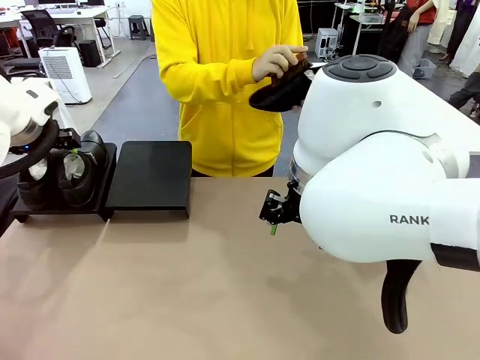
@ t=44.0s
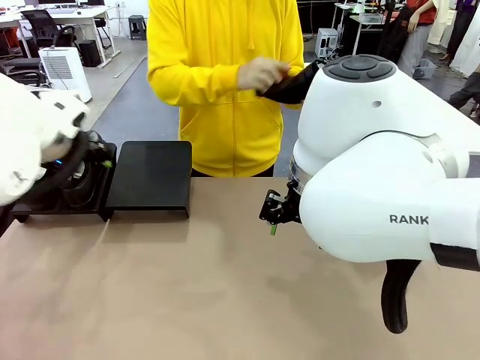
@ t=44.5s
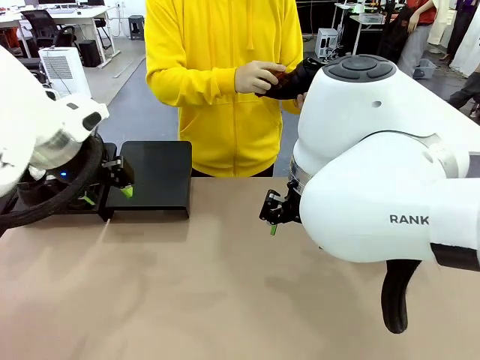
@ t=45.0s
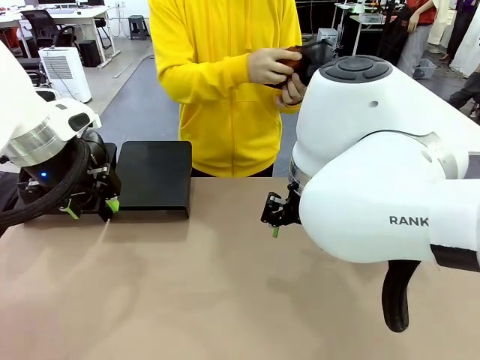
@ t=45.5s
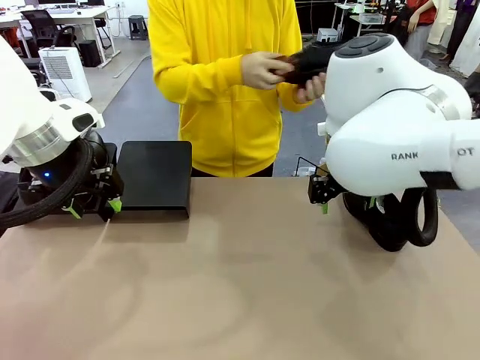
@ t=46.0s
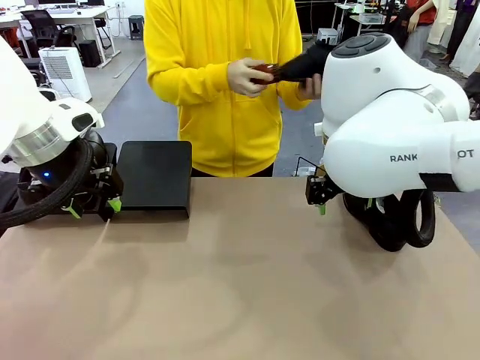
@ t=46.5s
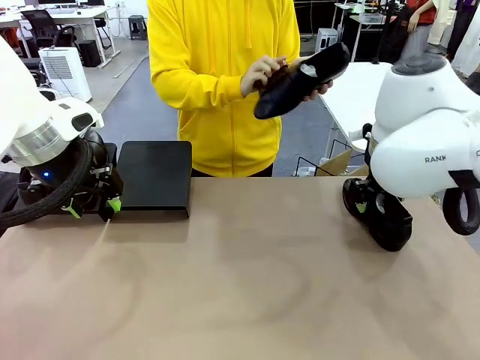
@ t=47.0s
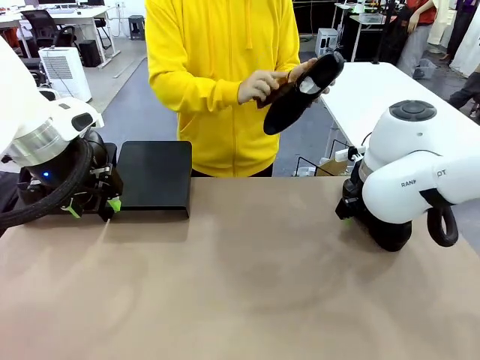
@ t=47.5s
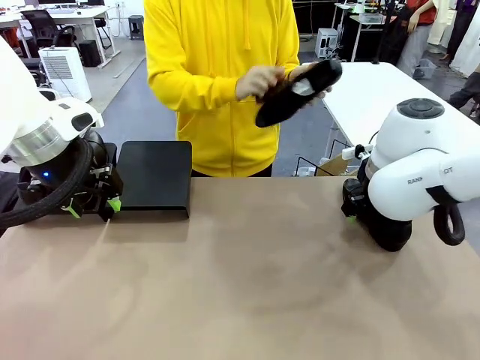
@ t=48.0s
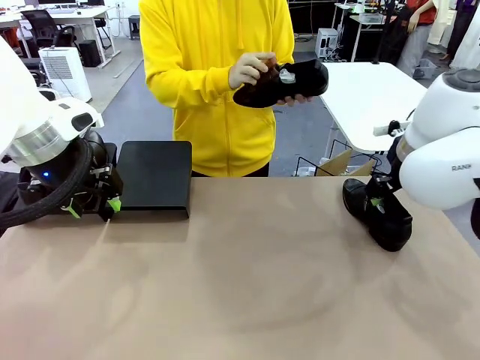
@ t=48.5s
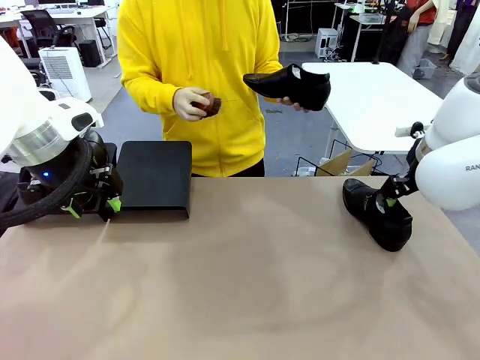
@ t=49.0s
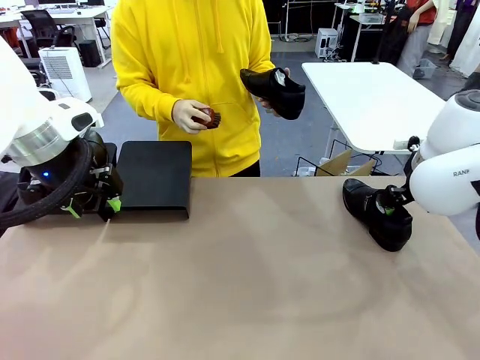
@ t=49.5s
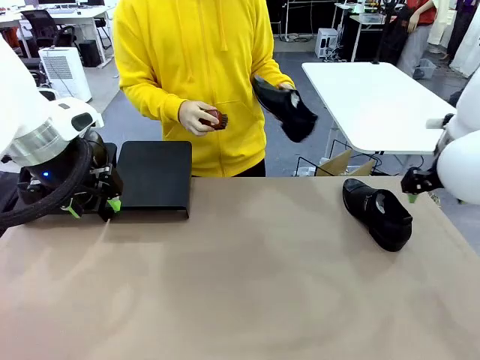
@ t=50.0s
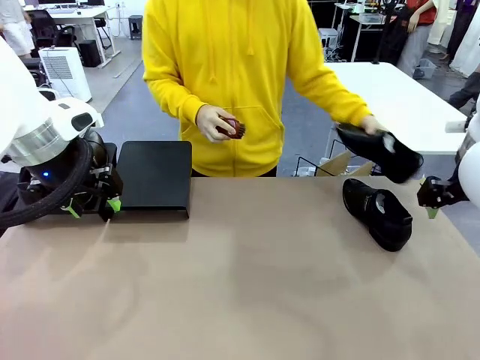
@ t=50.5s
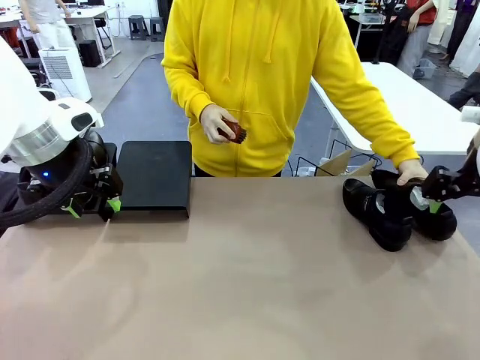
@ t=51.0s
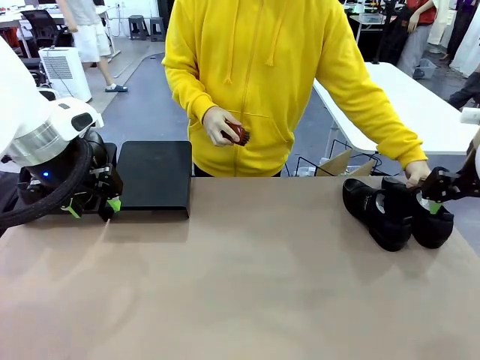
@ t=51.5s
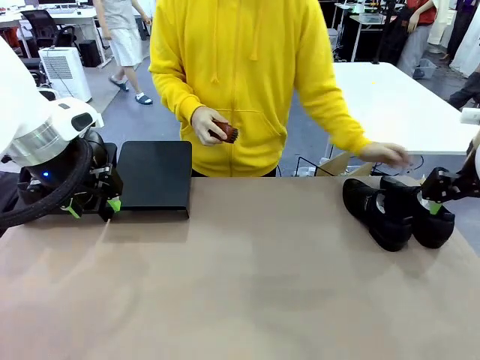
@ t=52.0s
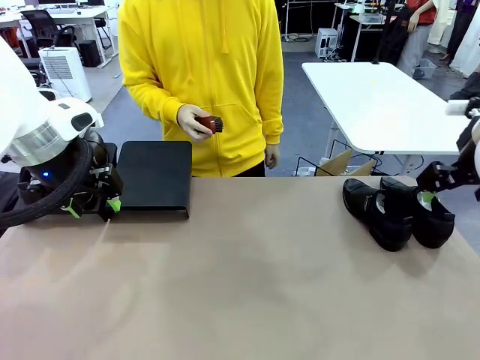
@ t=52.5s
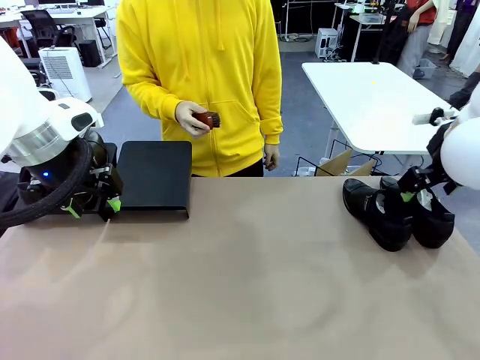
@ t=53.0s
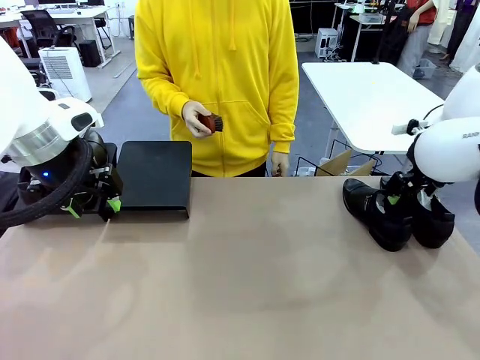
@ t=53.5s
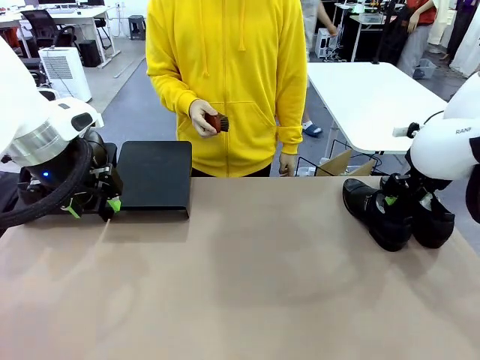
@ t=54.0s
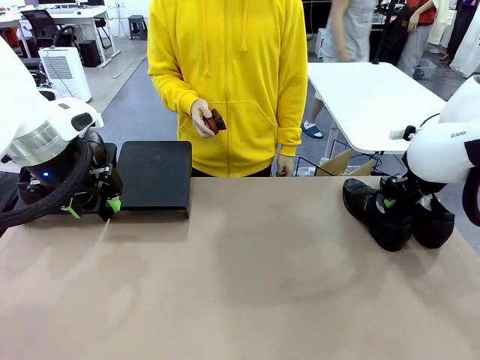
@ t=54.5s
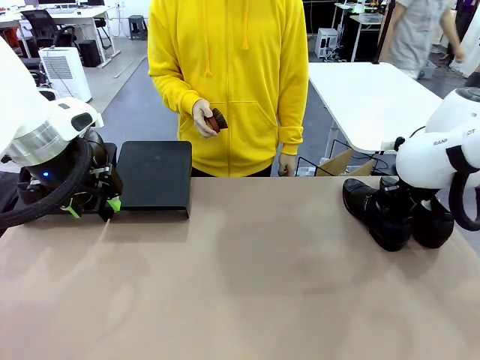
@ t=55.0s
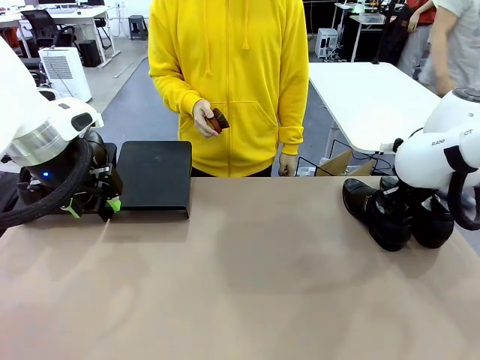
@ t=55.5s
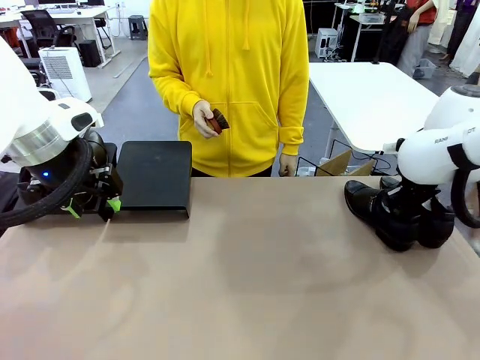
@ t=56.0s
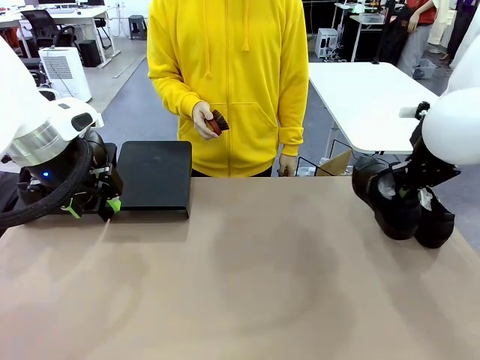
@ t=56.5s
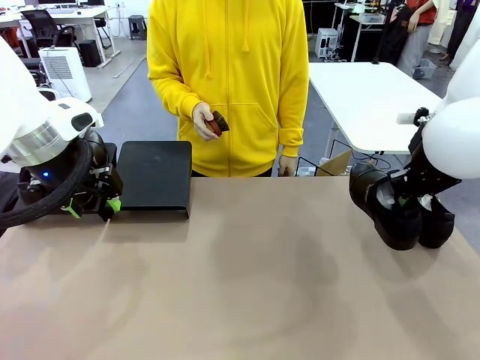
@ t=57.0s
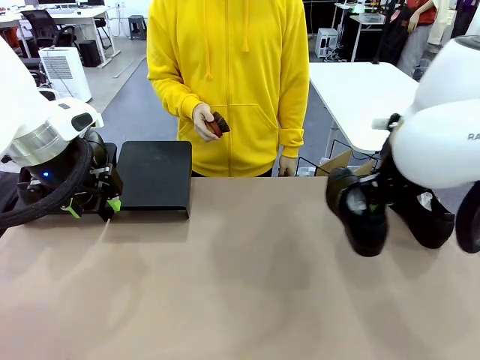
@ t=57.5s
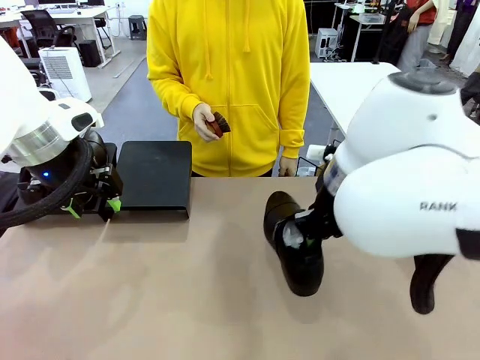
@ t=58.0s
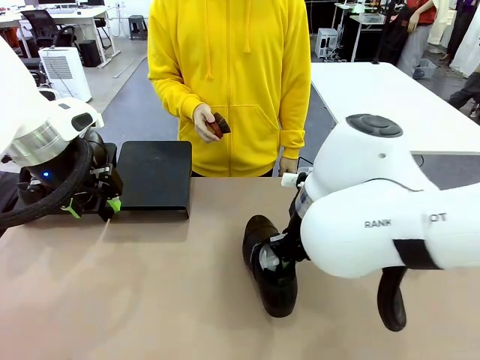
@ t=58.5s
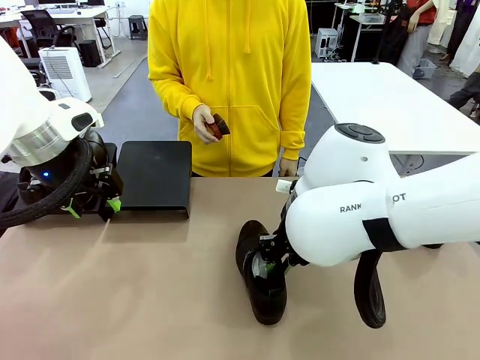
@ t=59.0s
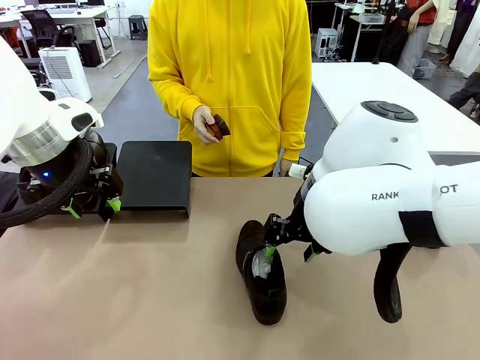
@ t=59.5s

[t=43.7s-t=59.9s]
Task: Organize the shoes by placing them on the stand.
Robot: Pick up one Shoe and place it in the middle of the table.

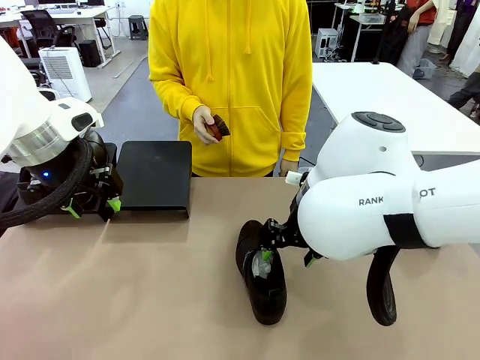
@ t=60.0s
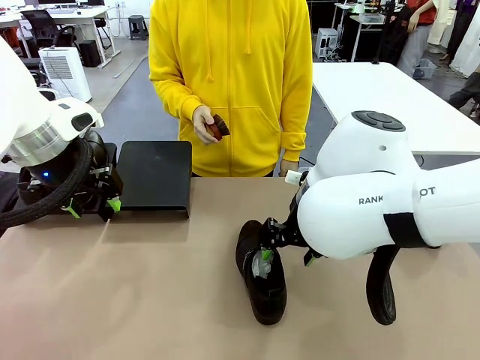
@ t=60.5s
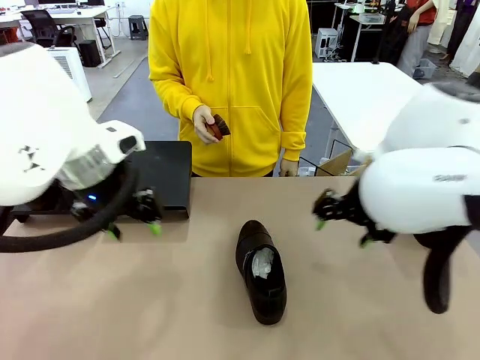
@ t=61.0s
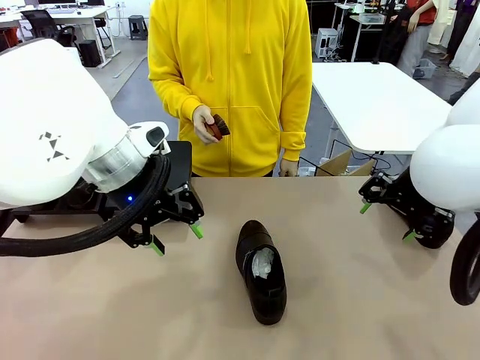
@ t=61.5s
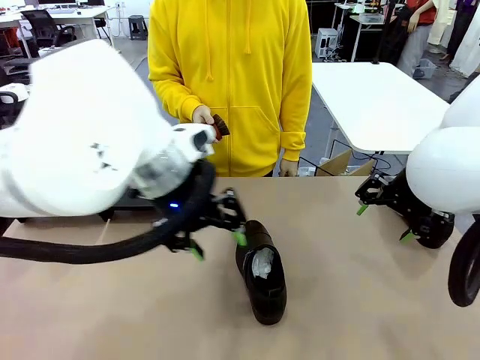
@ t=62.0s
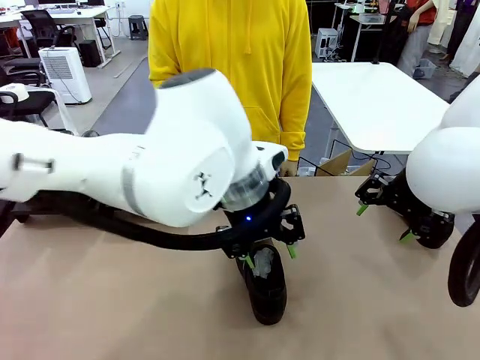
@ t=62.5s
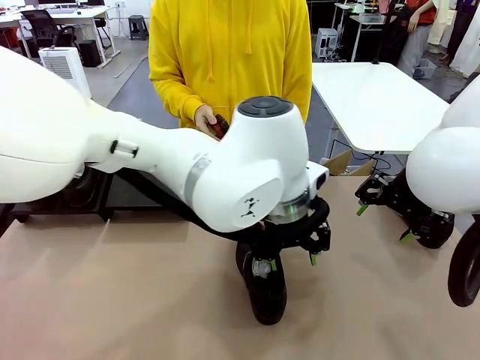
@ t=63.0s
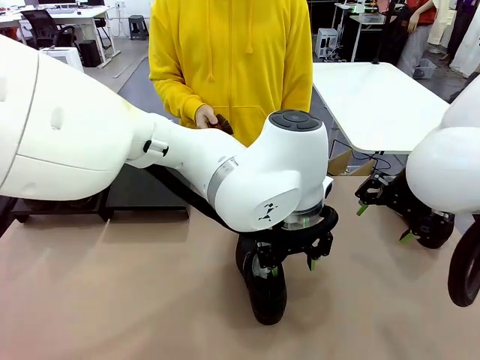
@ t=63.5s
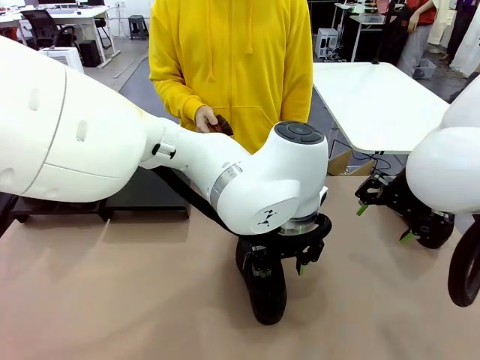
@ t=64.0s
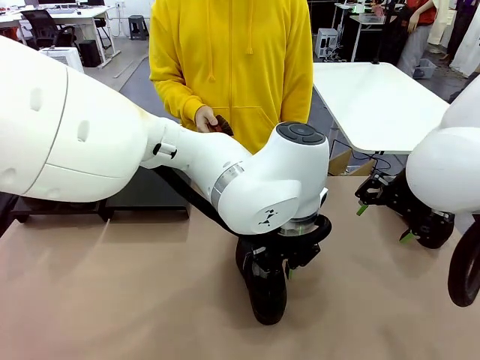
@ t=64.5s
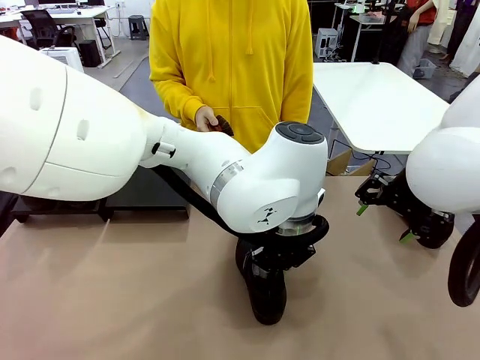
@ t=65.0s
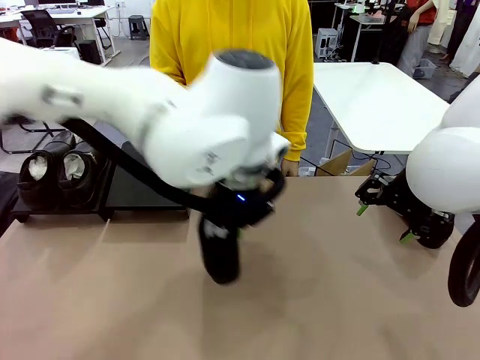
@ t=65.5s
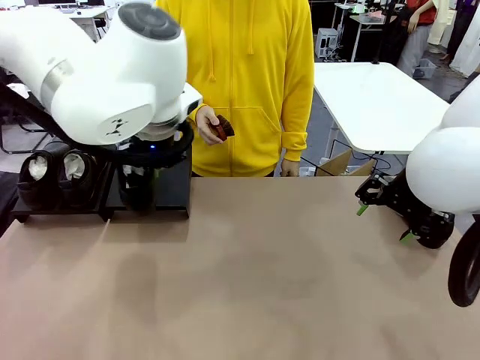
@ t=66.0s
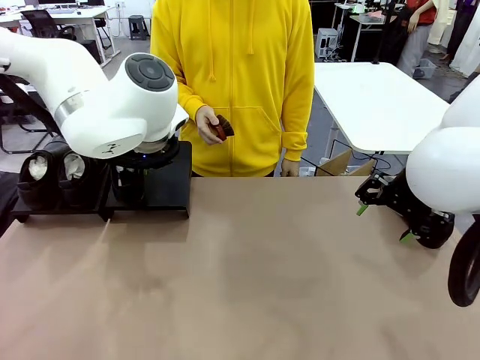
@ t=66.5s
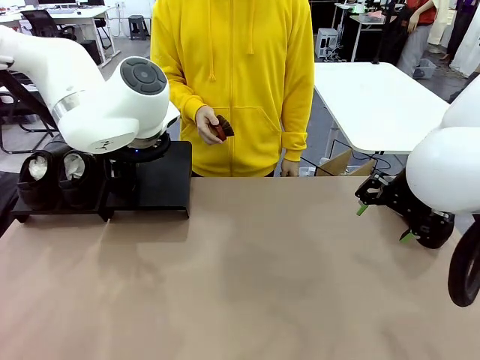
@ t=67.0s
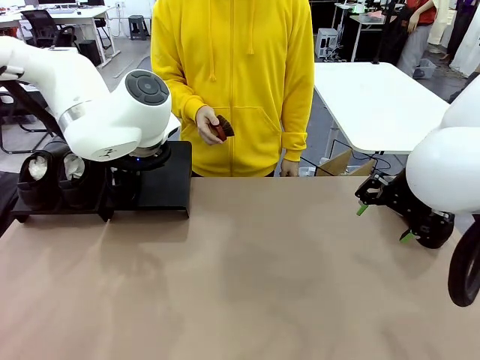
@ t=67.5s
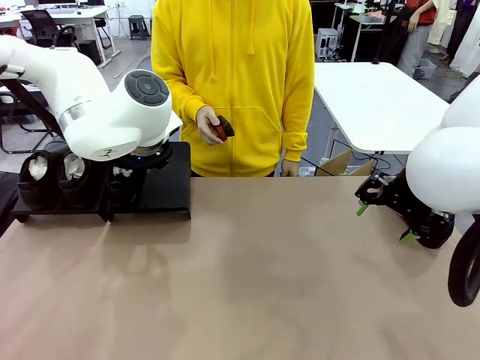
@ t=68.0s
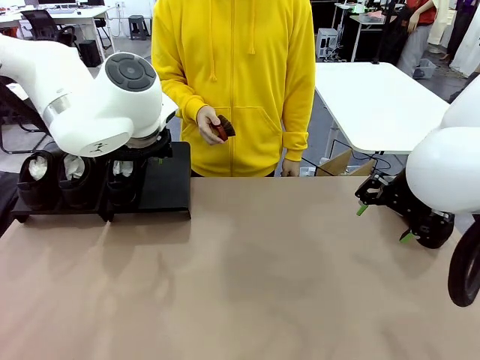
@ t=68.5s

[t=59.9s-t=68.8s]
Robot: Place the Shoe from the middle of the table onto the Shoes Stand.
